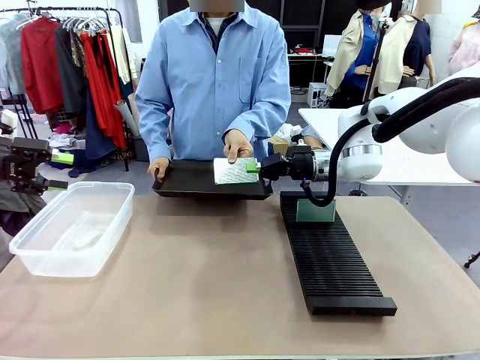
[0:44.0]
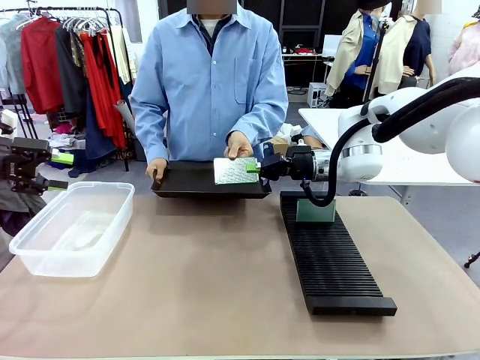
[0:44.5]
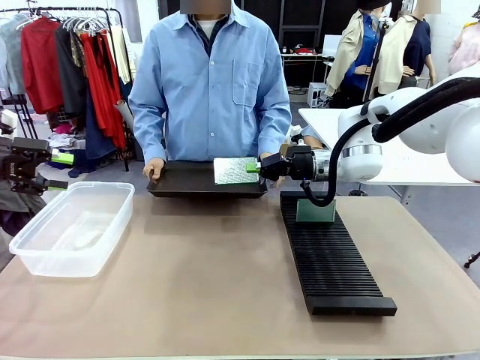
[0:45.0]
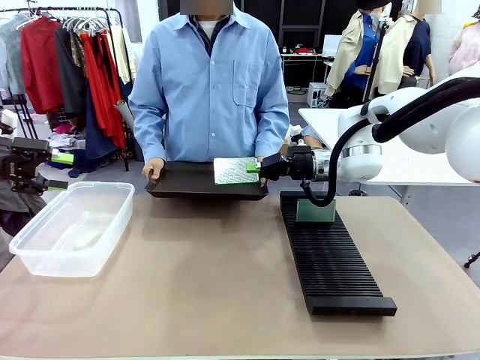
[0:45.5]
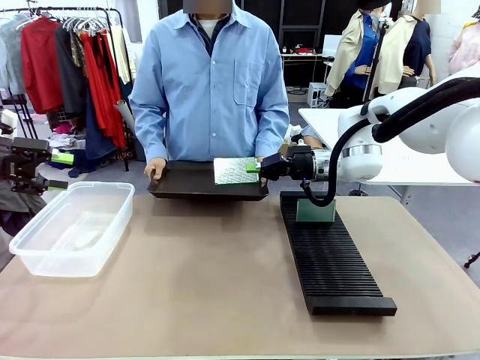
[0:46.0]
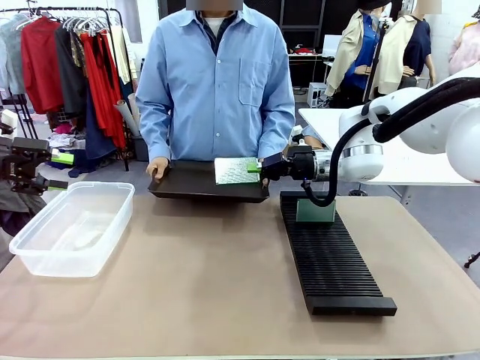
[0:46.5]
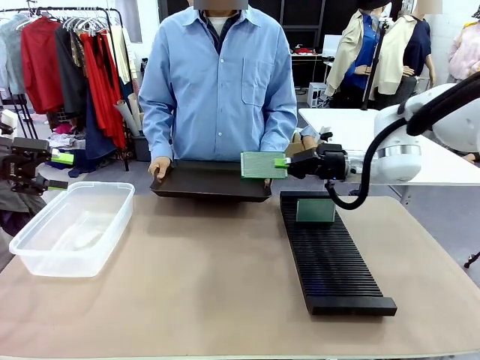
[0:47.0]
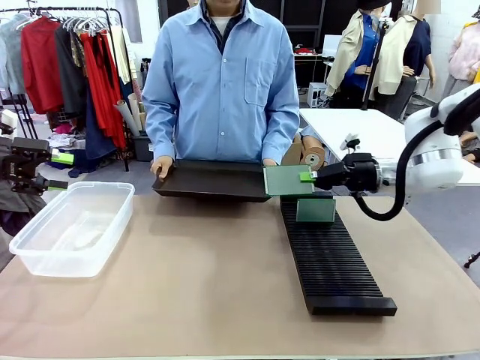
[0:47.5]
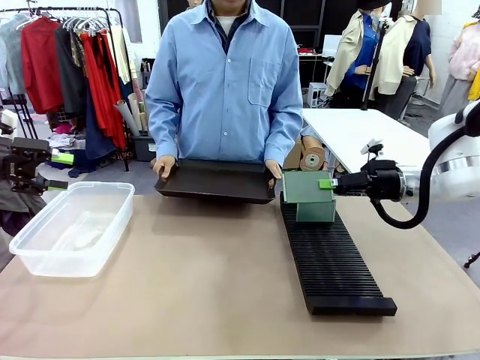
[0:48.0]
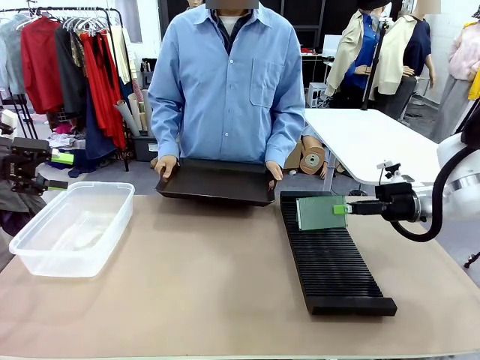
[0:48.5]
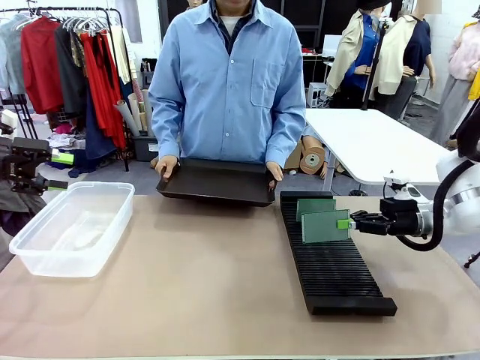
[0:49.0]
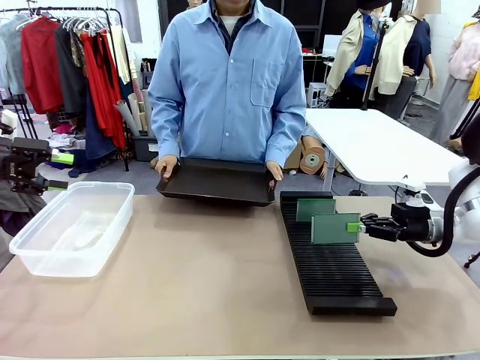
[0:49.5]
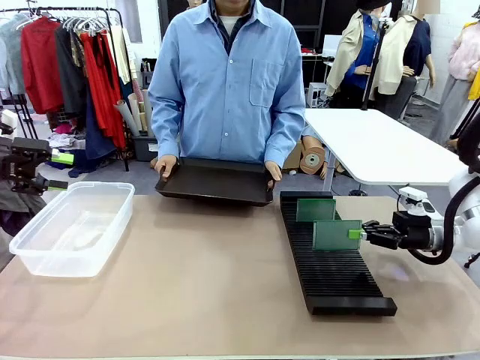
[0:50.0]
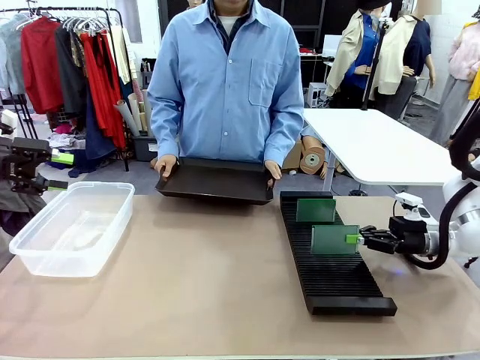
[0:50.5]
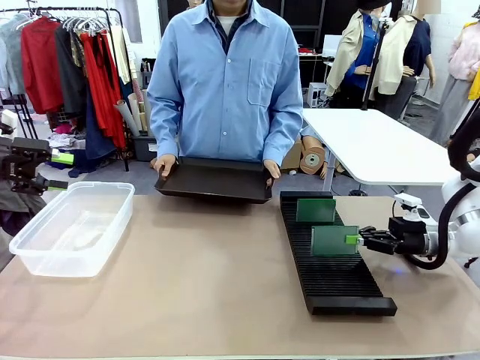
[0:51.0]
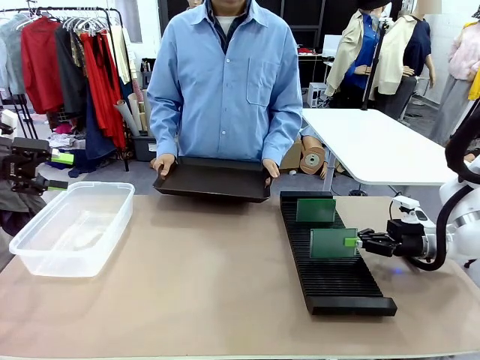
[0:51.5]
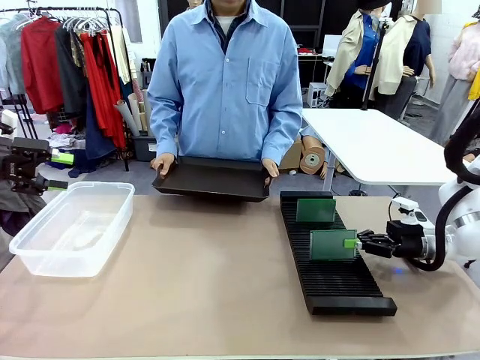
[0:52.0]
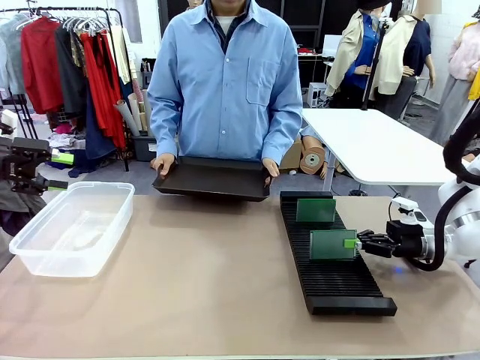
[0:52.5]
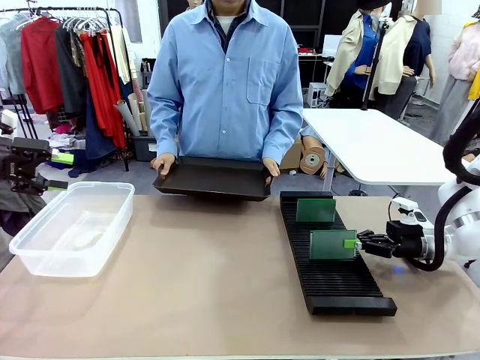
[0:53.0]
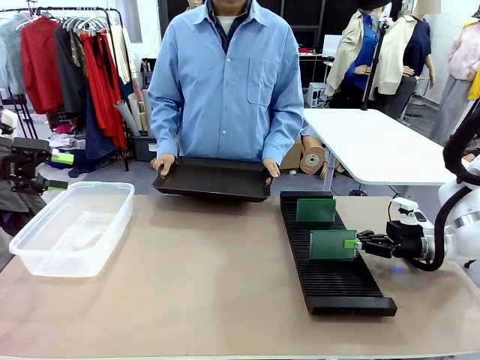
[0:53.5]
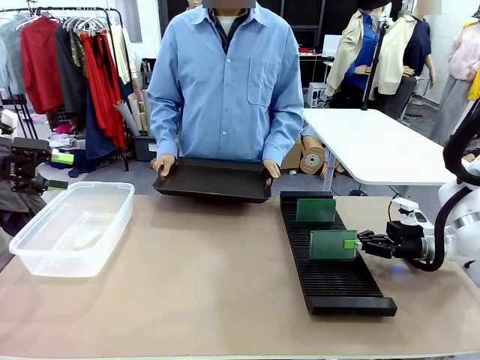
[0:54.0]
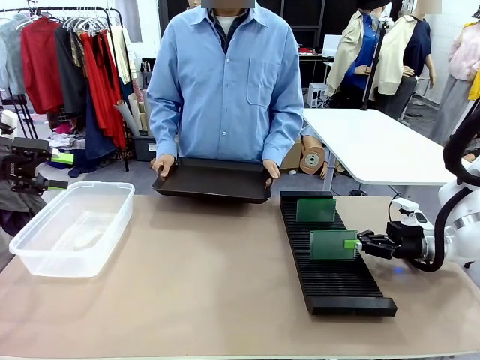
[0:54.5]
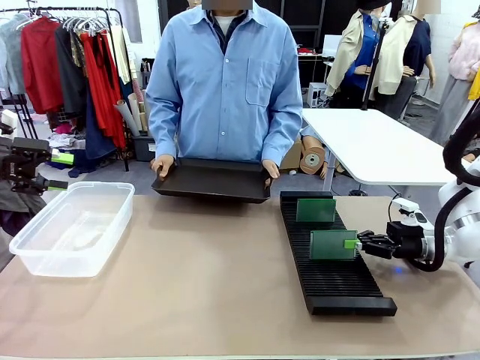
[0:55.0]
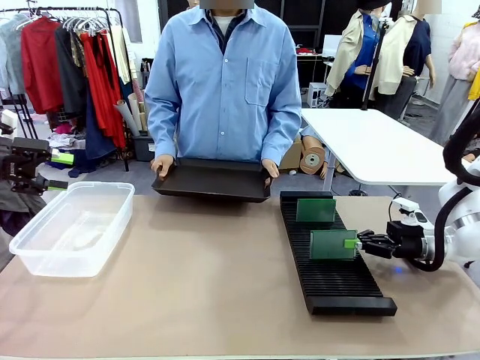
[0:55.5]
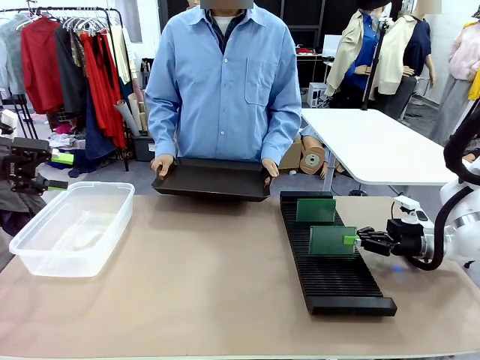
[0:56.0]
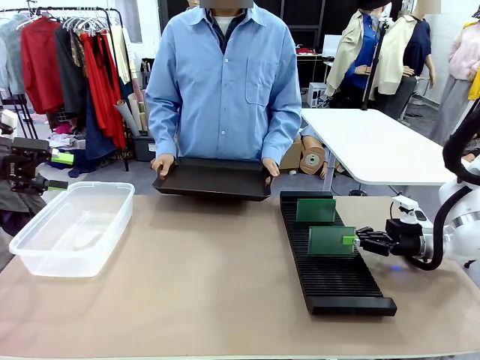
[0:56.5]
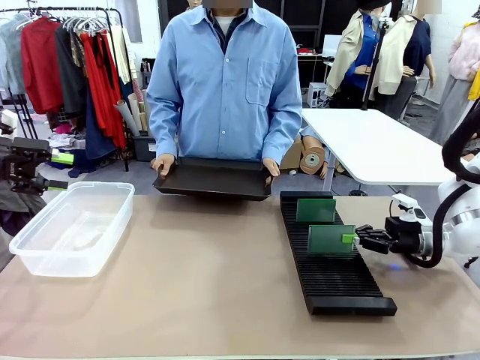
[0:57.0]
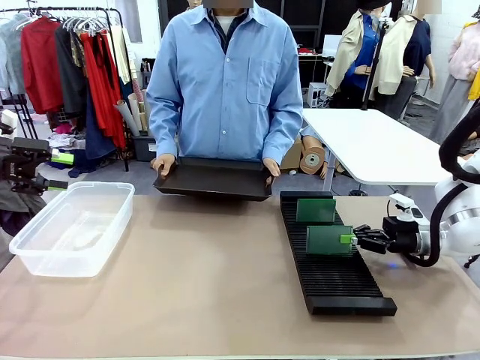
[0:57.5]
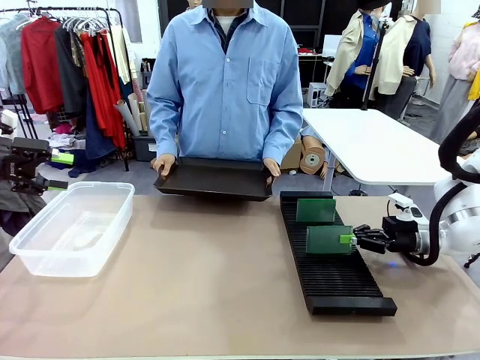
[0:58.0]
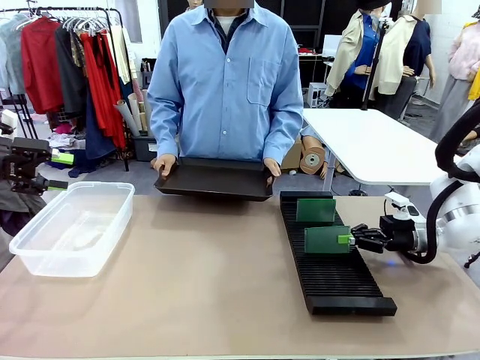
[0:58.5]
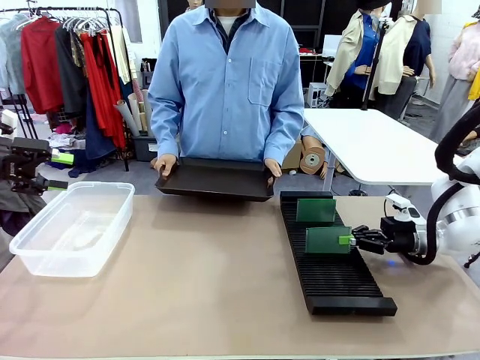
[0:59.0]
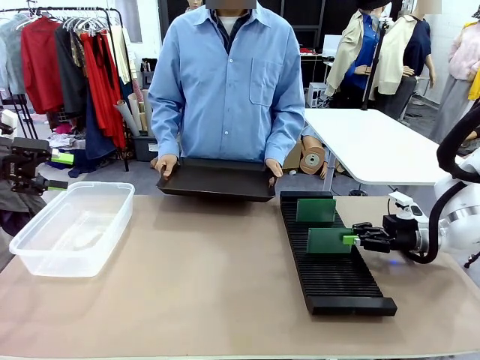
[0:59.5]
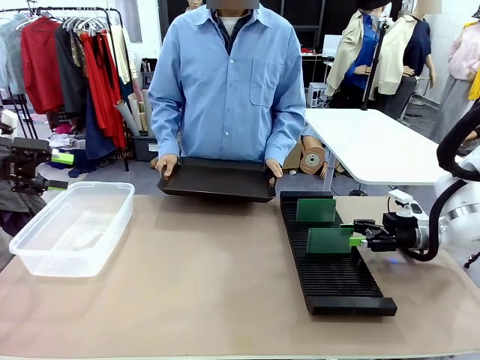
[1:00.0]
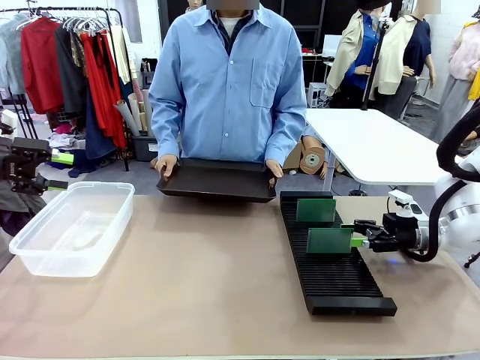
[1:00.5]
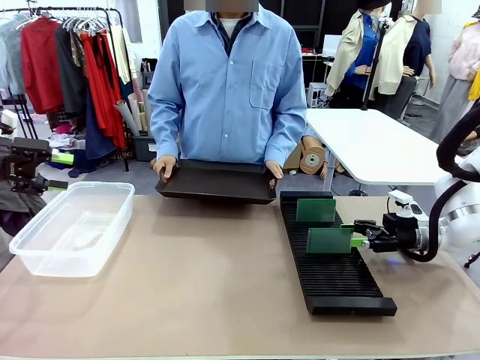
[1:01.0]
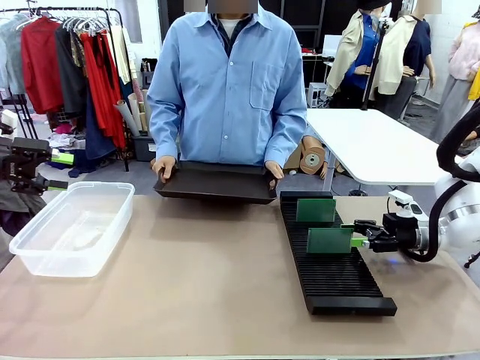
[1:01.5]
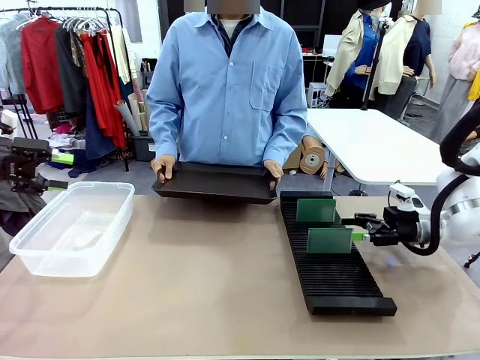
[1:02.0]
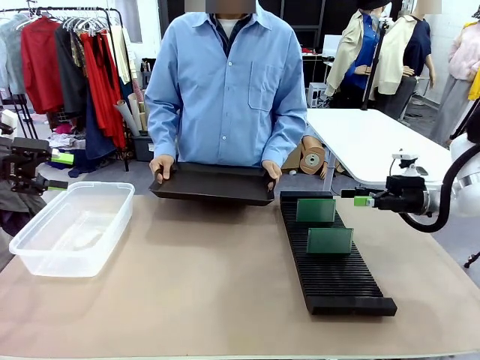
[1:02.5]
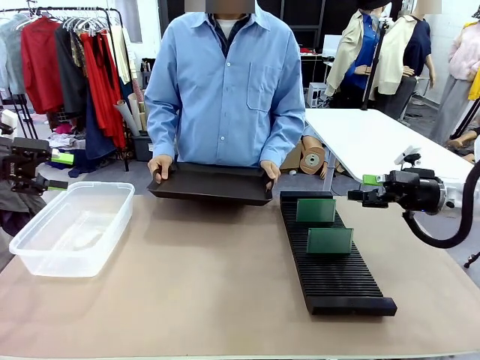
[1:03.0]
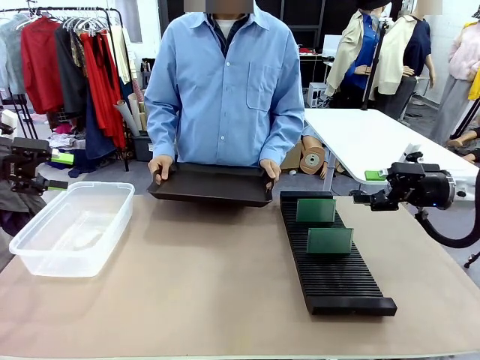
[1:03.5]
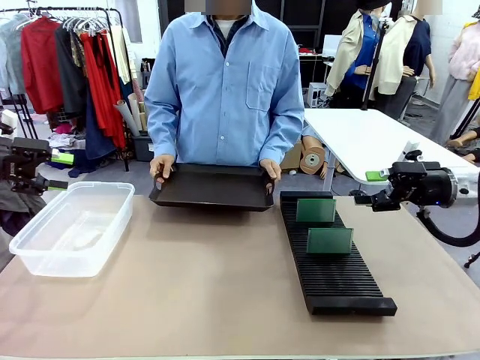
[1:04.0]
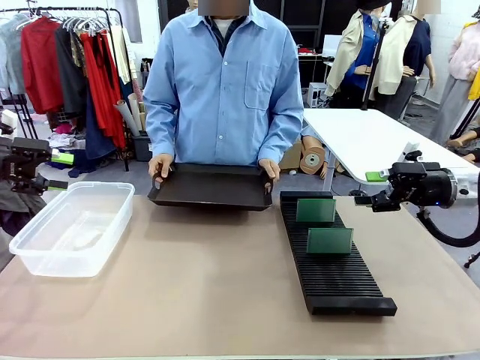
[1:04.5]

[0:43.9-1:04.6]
Task: Sort PCBs into racks and boxes based on the side picked up.
Robot: If the short side of the Blank PCB is picked up, insert it into the PCB Rack ; if the long side is picked up, place it in the Organizing box.
Person: Release the PCB being held.

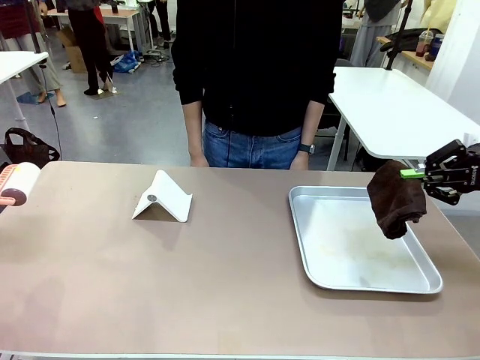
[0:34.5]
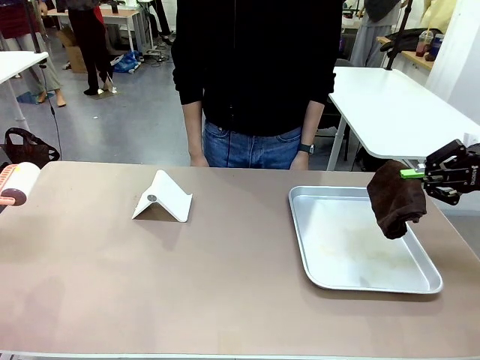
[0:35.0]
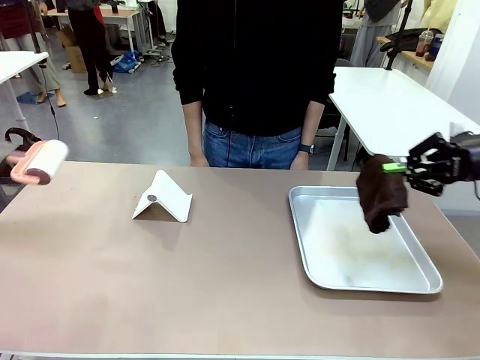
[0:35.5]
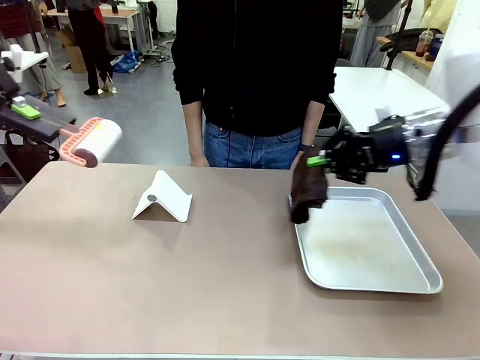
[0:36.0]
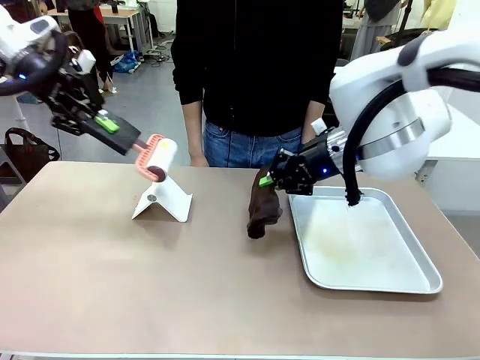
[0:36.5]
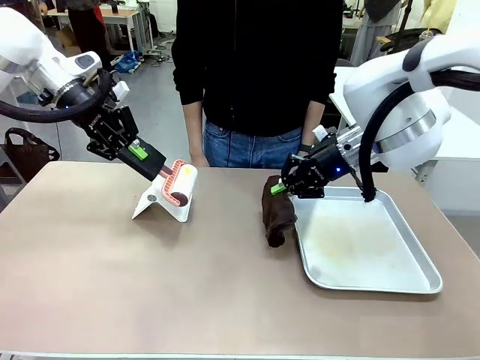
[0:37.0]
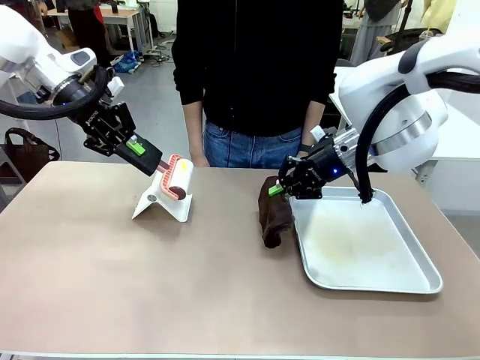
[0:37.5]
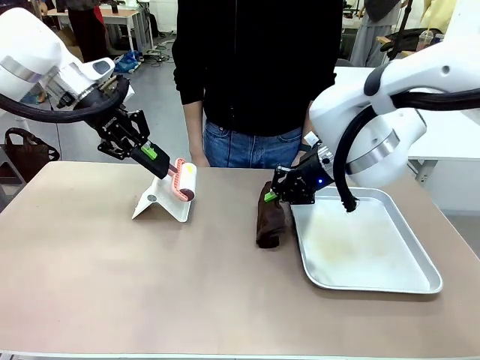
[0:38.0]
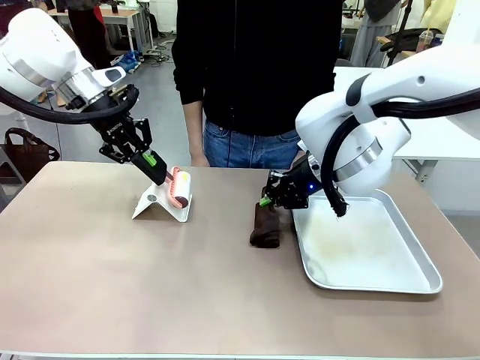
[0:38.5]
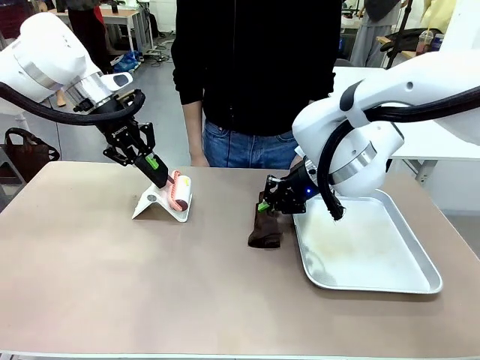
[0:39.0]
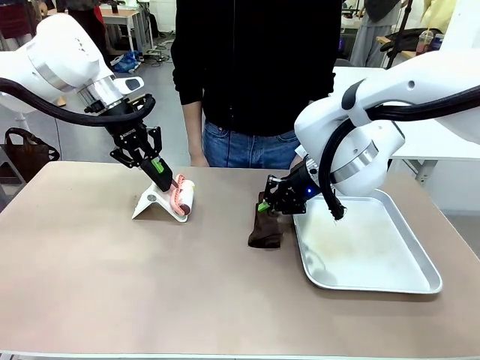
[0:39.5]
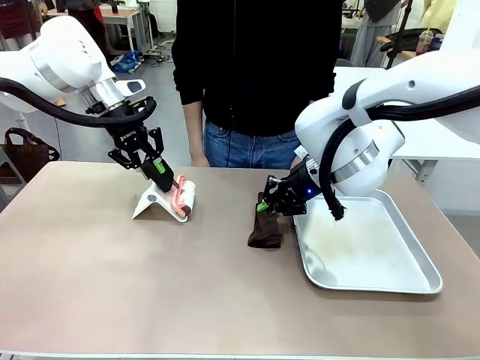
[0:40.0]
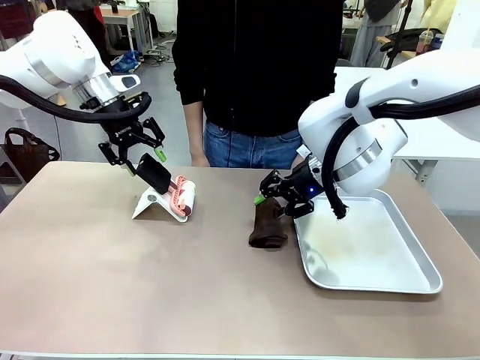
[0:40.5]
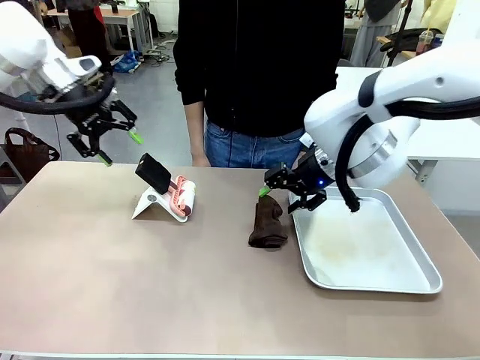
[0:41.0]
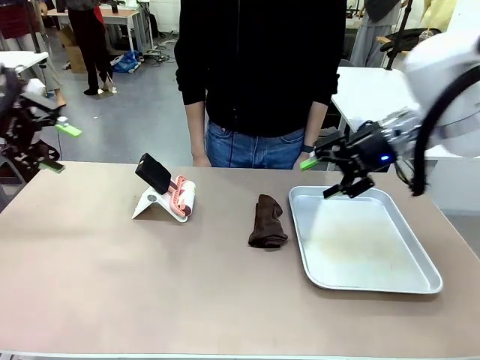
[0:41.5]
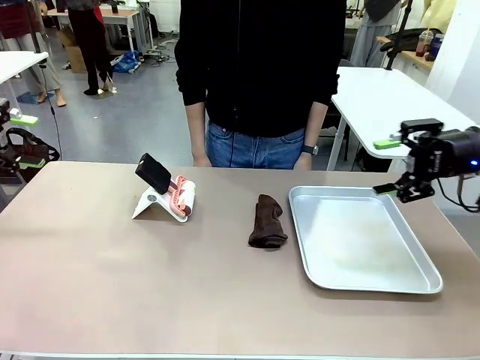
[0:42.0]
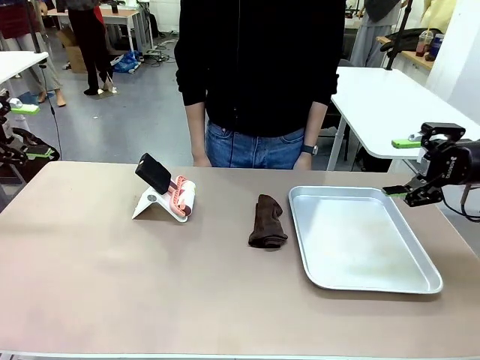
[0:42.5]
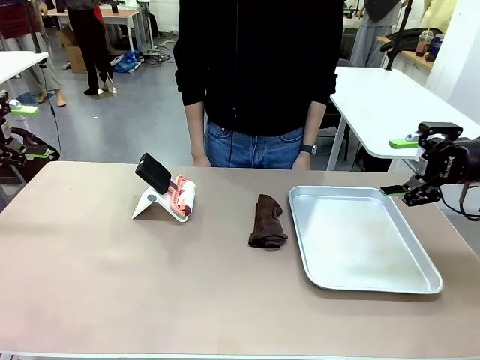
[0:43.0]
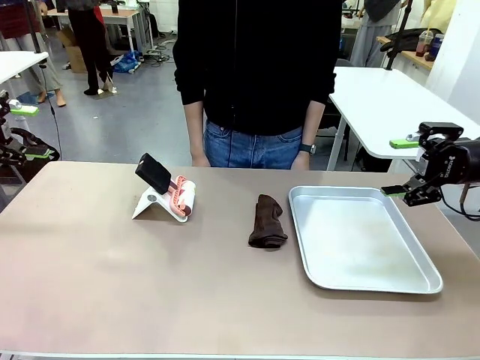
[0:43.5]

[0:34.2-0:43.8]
Task: Clean the surface of the table.
Robot: Return the Lint Roller and towel to their original positions.
